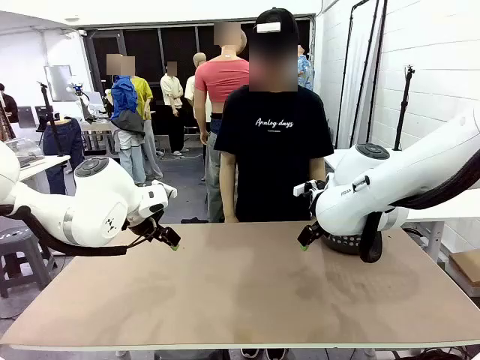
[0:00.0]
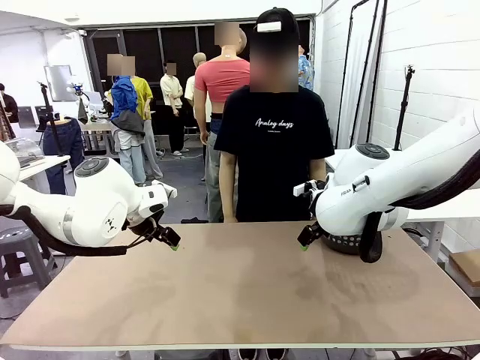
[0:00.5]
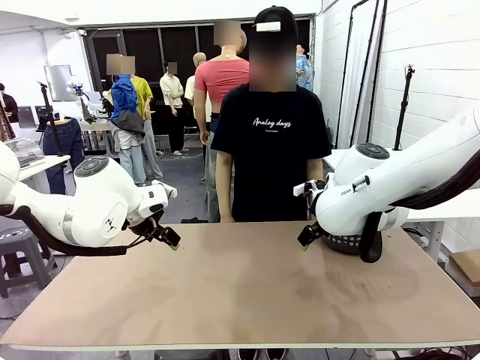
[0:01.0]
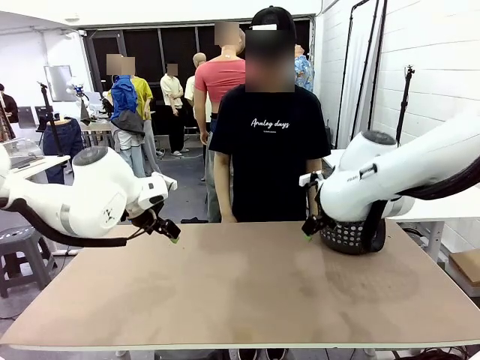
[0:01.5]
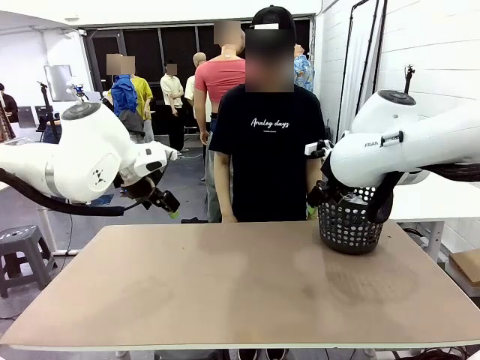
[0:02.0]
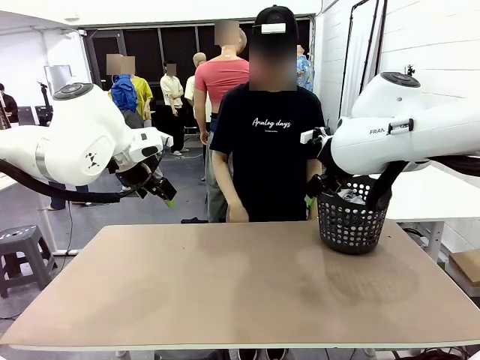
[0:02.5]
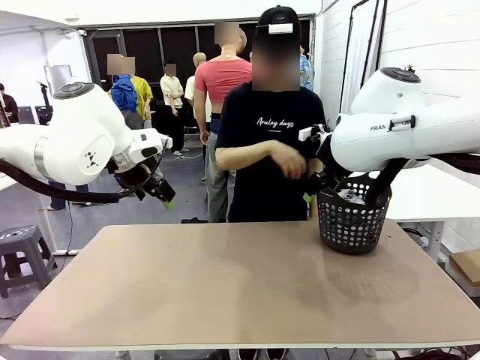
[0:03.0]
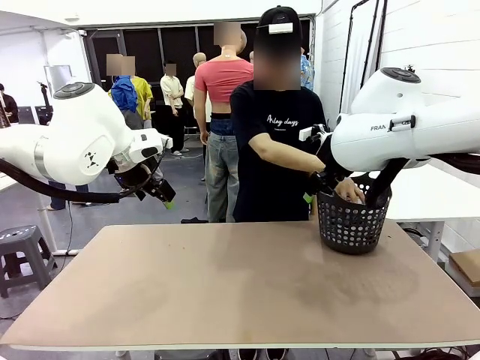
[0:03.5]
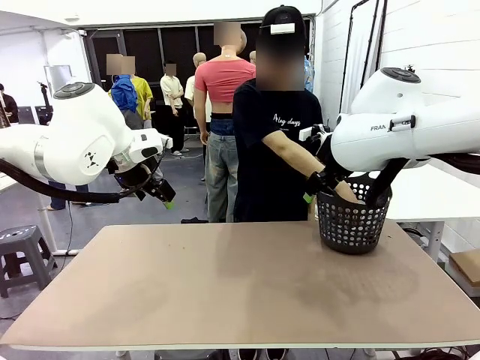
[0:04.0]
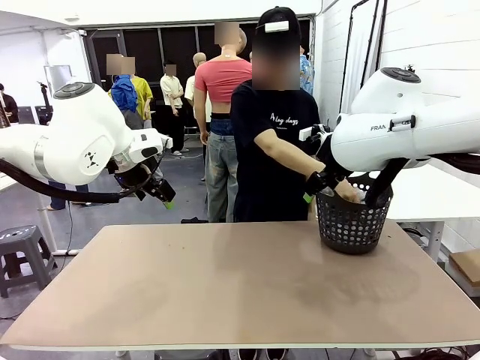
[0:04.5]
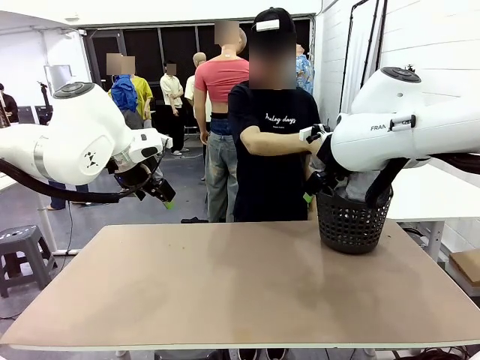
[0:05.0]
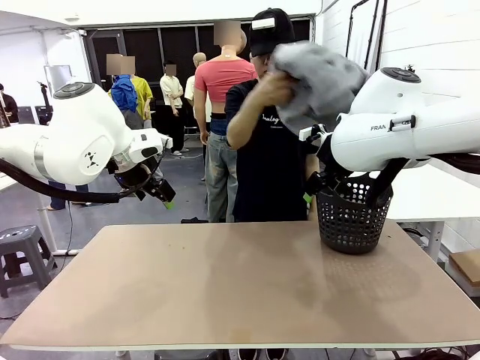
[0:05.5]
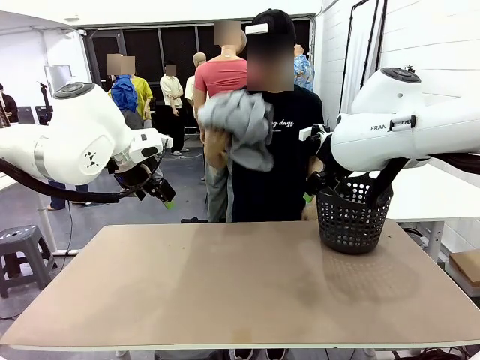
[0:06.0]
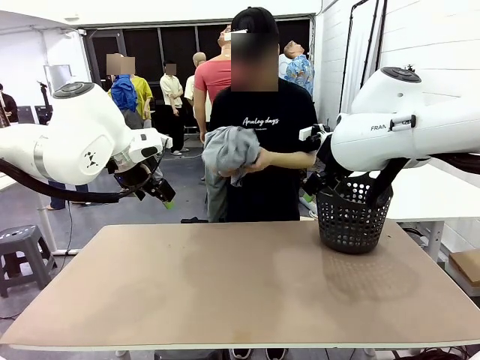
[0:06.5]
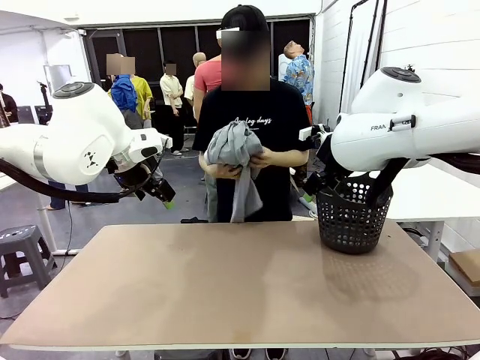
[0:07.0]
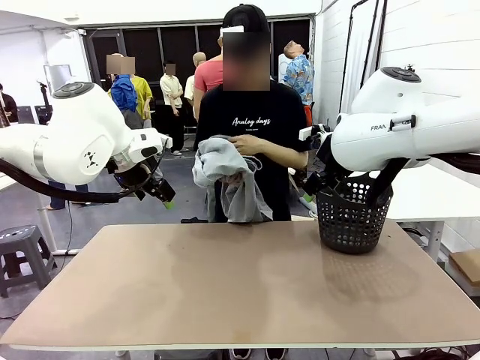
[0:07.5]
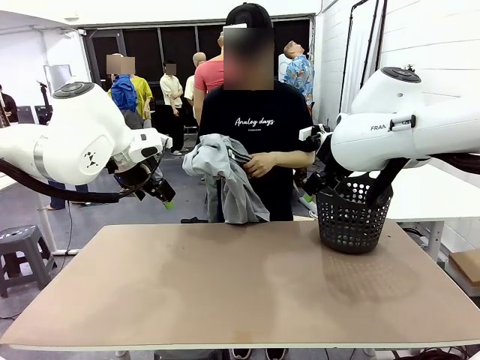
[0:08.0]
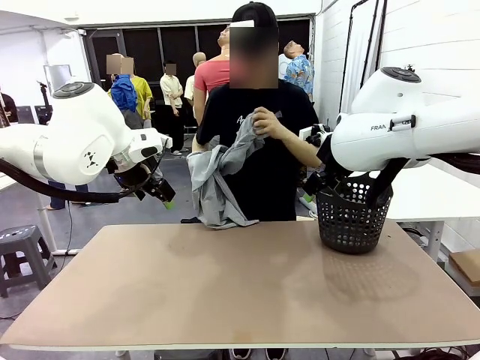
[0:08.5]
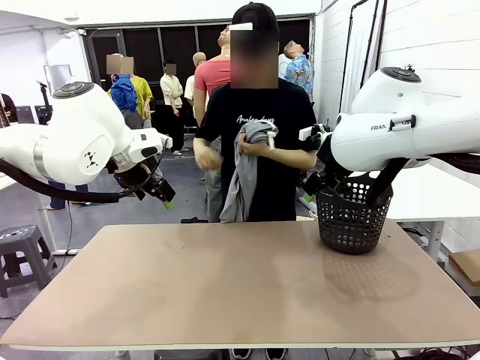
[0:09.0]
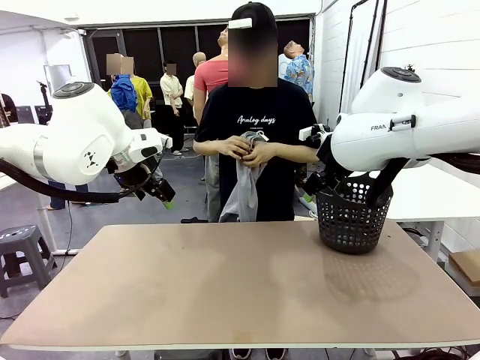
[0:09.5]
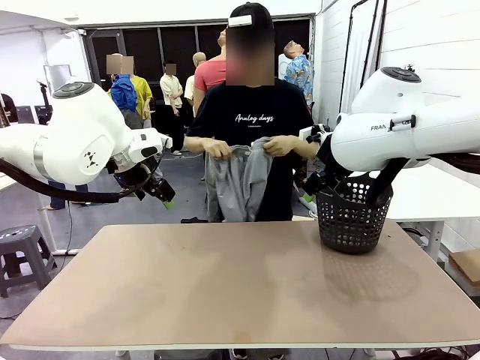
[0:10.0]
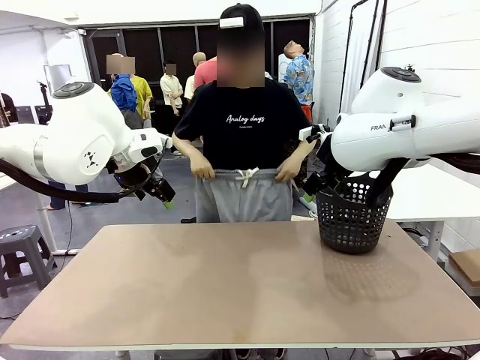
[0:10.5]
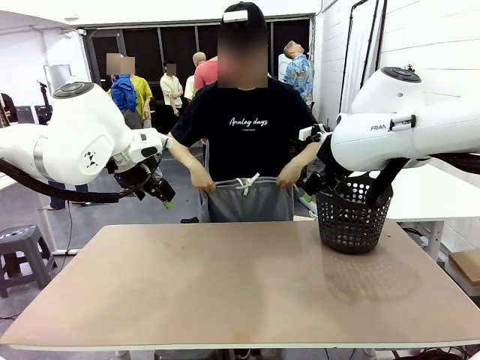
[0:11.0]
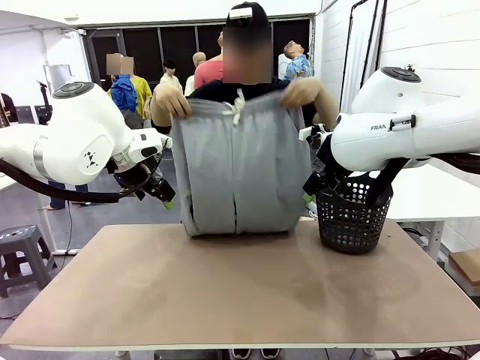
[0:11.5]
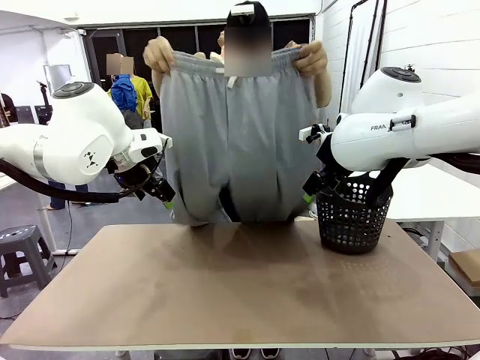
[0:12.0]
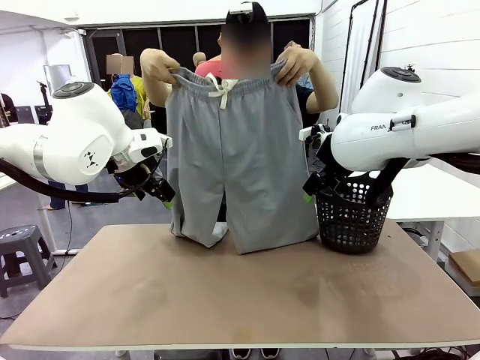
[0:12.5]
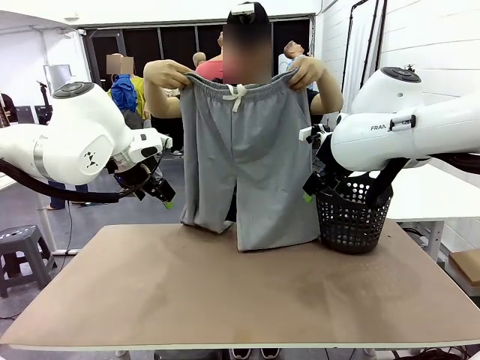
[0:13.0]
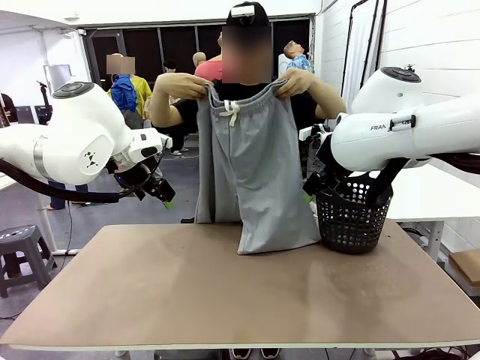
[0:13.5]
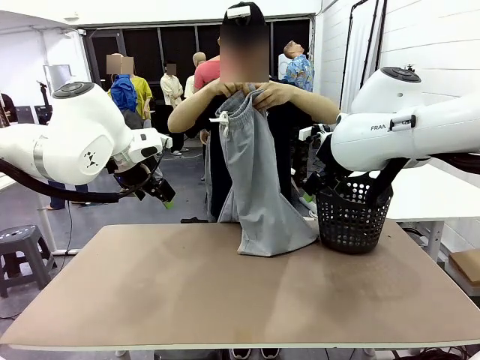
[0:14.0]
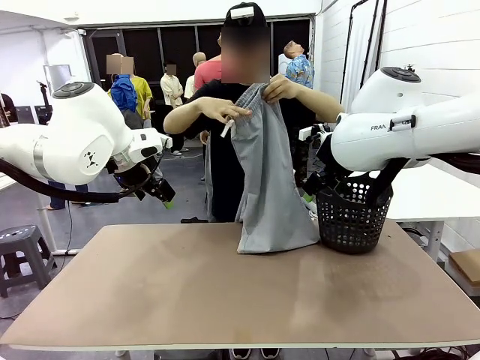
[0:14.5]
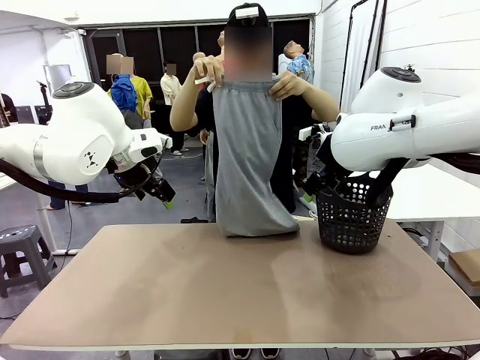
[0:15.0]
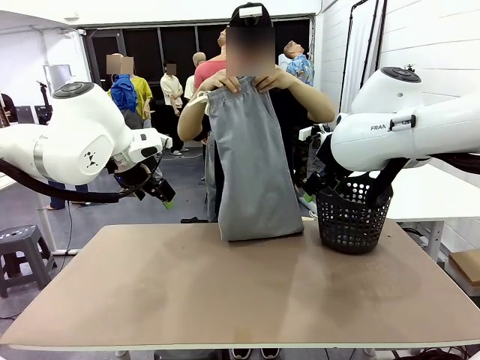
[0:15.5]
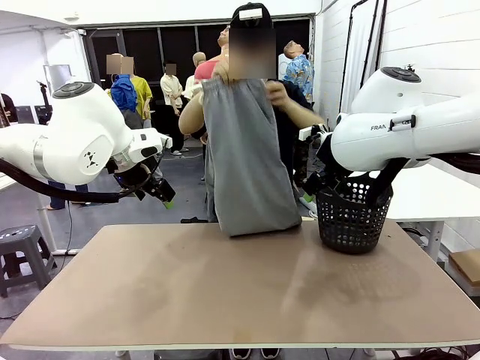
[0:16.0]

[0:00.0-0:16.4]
Task: Fold the training pants.
Robot: Grab both ends of the Training pants handed by a person.
Person: Take the long pants out of the laundry basket, unfold them, fold the waist in half, and extend them so the robot can pick up both corners.

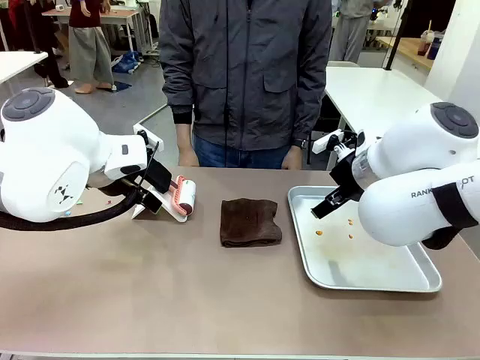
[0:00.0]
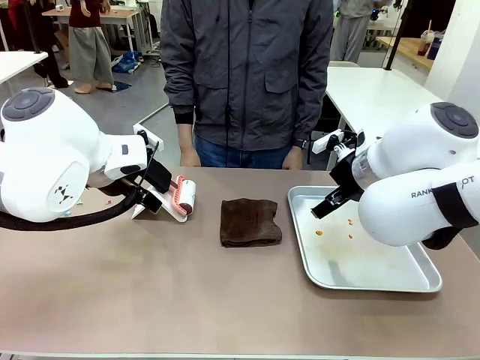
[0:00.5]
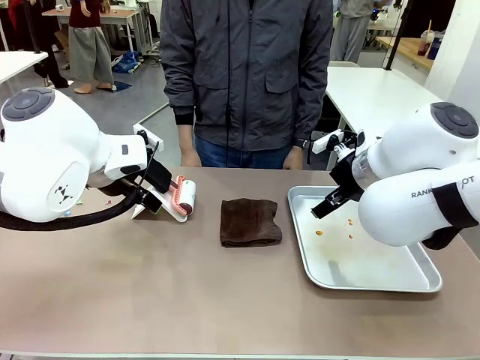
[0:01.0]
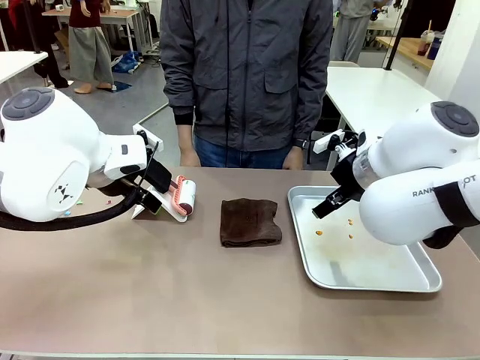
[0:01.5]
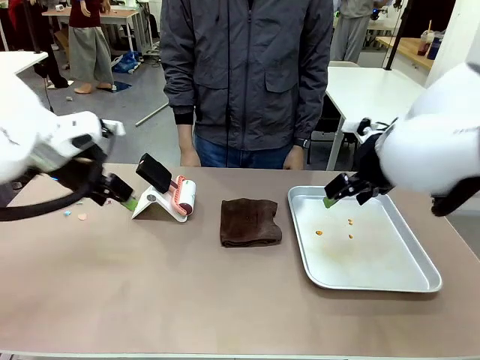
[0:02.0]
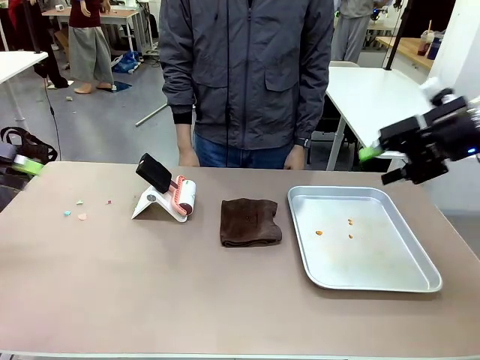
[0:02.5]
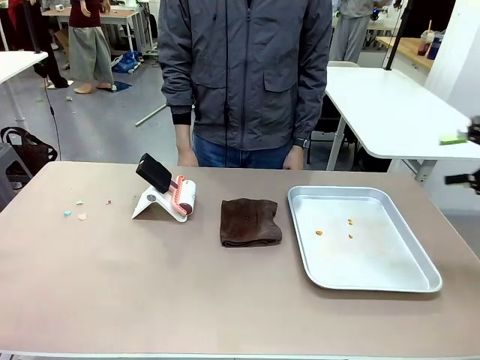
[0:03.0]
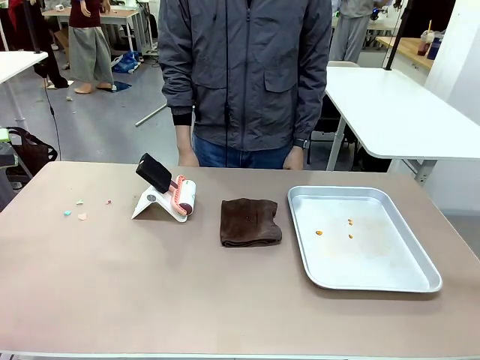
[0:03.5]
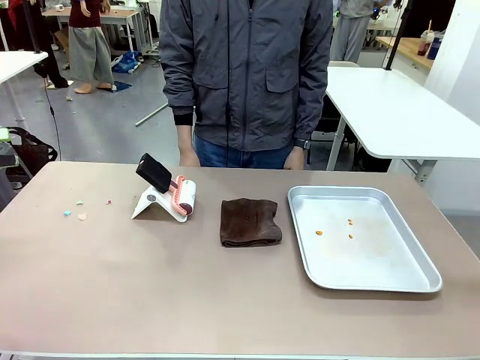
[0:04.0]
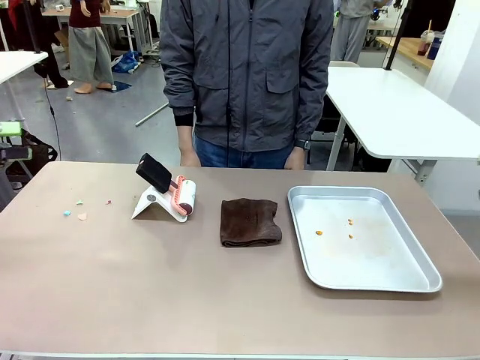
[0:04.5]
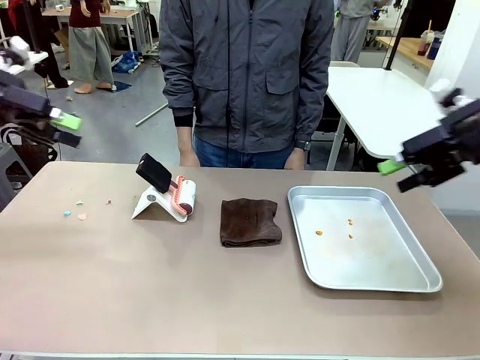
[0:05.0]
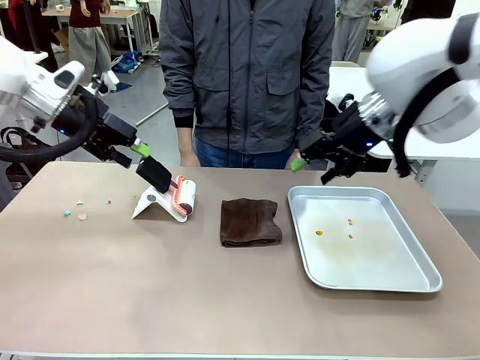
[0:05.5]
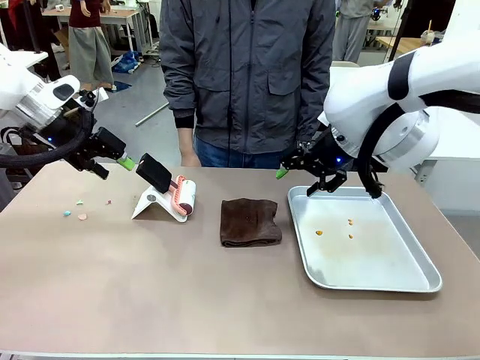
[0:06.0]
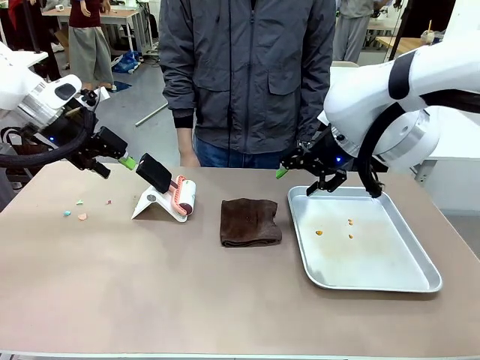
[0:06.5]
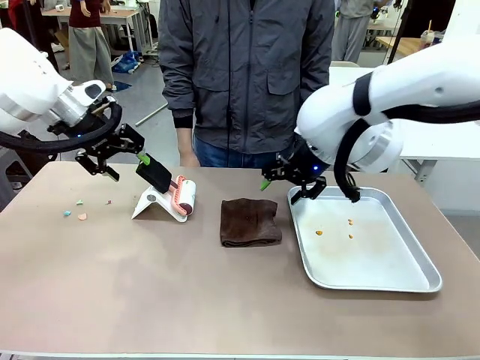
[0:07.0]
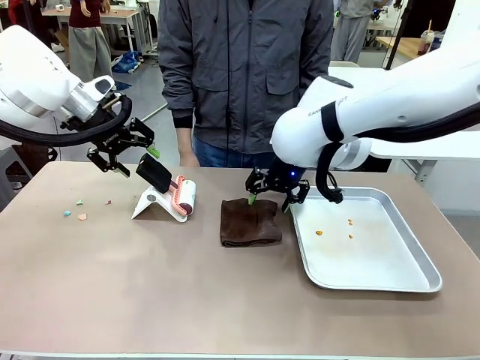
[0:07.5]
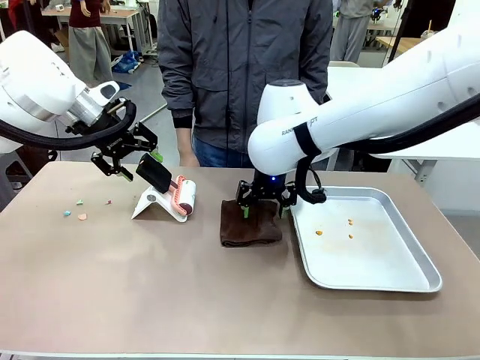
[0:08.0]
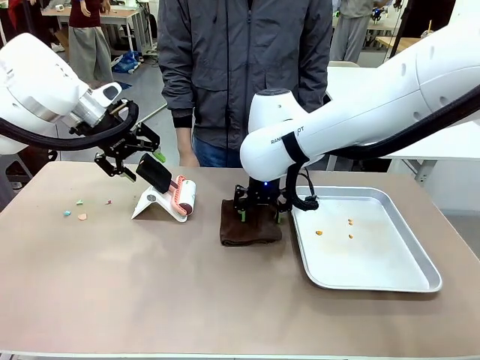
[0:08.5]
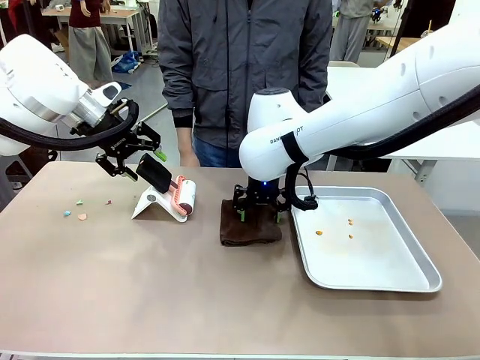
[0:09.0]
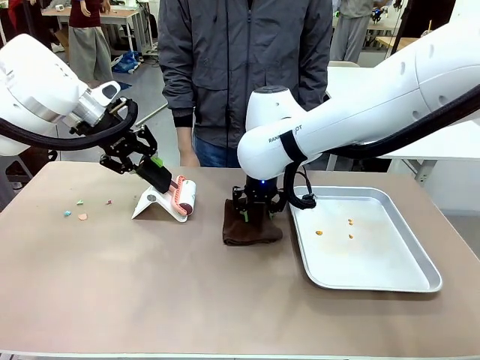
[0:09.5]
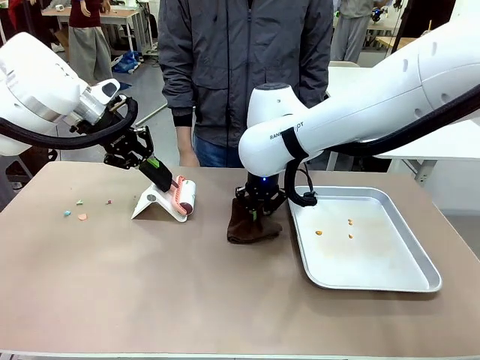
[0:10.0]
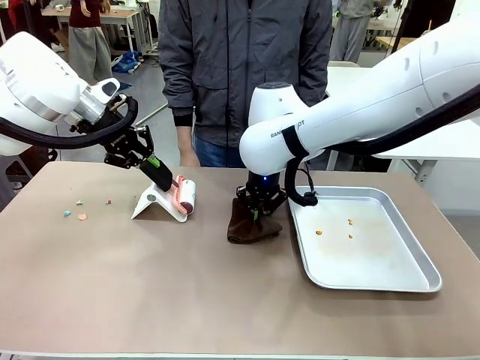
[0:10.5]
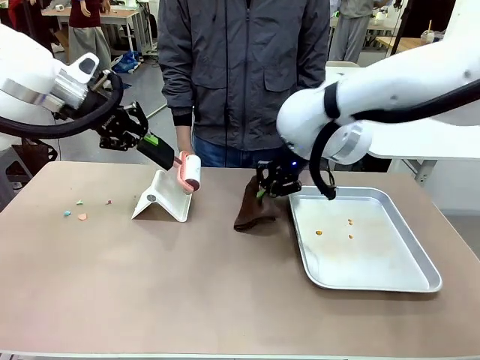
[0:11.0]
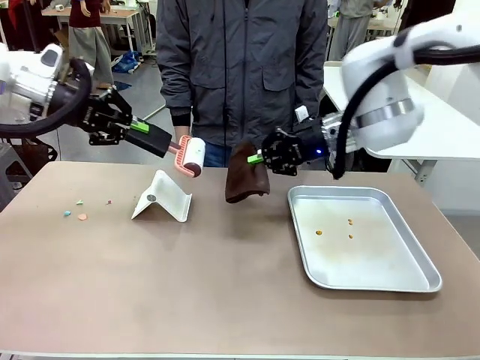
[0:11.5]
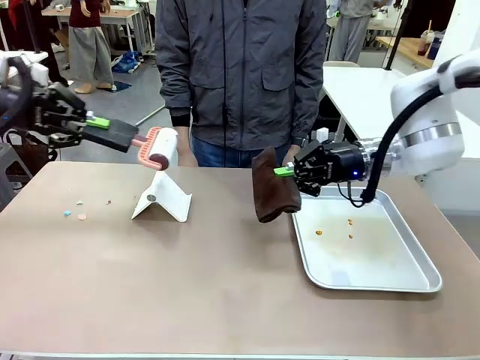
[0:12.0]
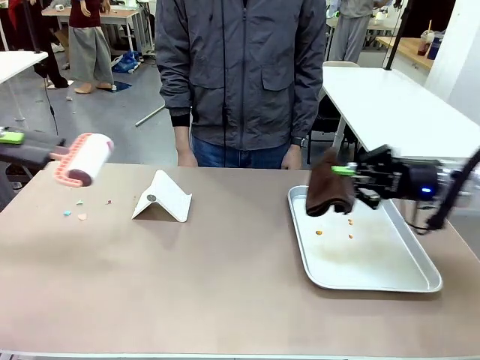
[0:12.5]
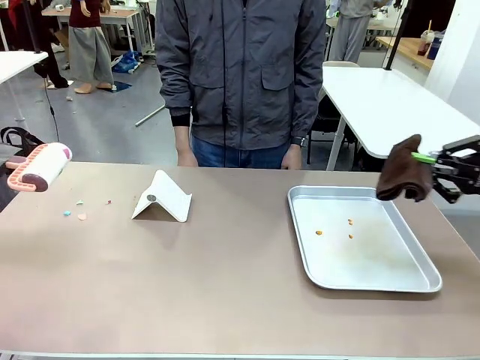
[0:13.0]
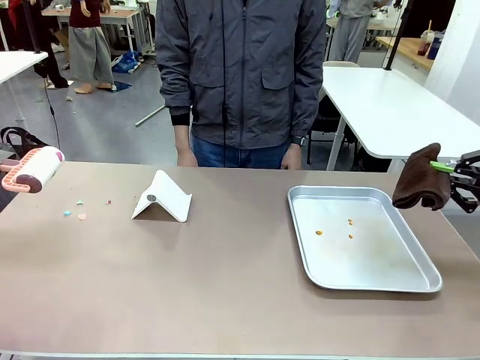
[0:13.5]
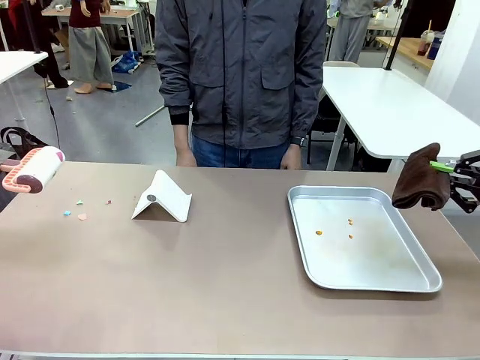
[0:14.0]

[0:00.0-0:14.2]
Task: Clean the surface of the table.
Robot: Hold the Lint Roller with your left hand and the towel with your right hand.
